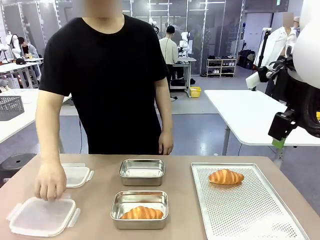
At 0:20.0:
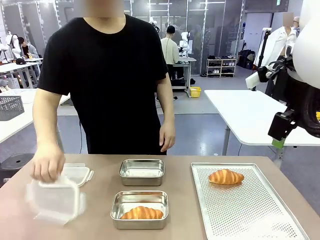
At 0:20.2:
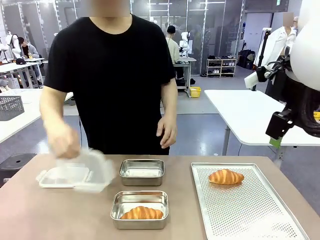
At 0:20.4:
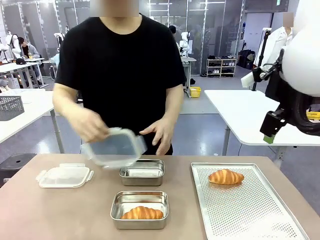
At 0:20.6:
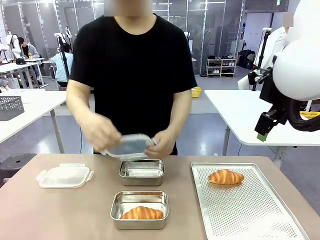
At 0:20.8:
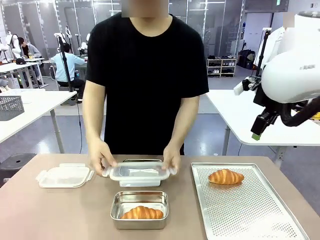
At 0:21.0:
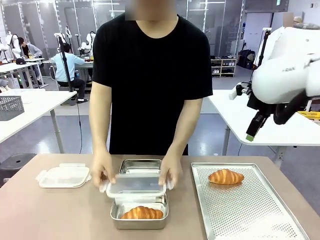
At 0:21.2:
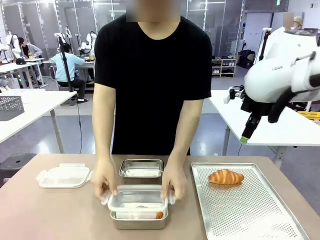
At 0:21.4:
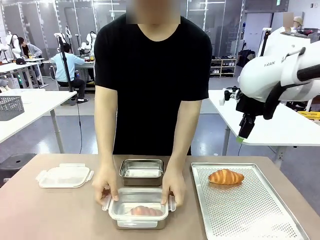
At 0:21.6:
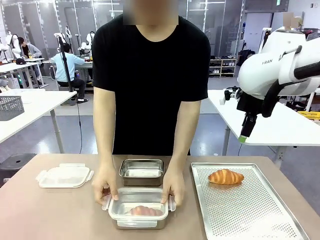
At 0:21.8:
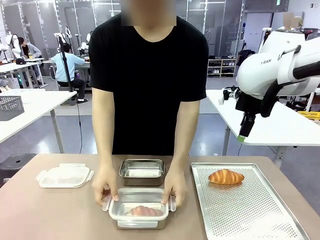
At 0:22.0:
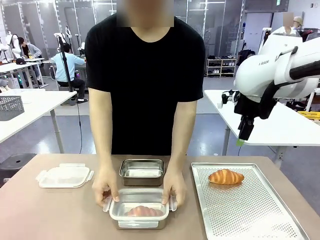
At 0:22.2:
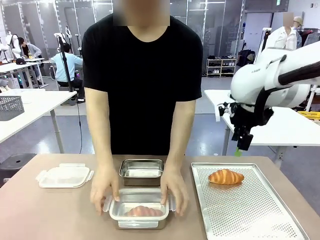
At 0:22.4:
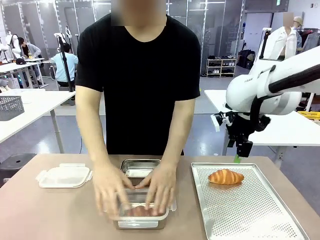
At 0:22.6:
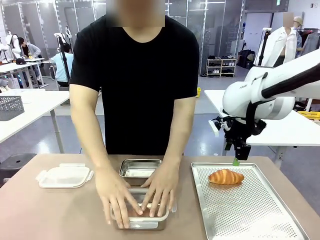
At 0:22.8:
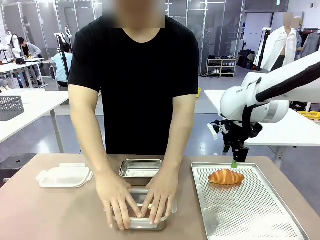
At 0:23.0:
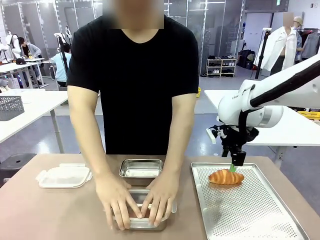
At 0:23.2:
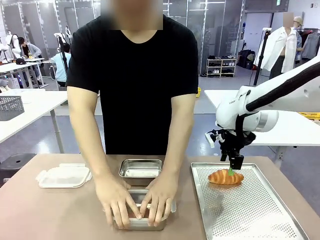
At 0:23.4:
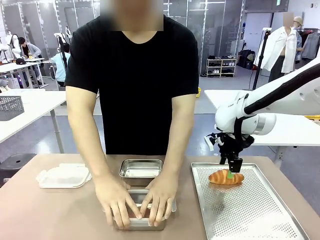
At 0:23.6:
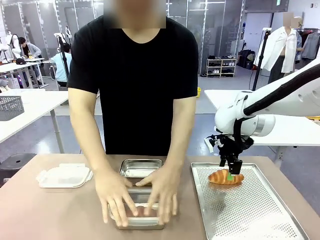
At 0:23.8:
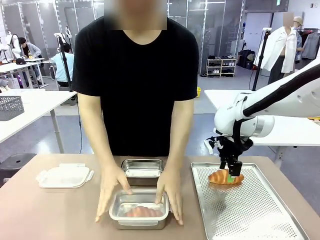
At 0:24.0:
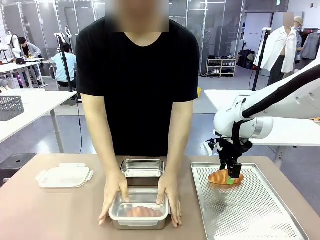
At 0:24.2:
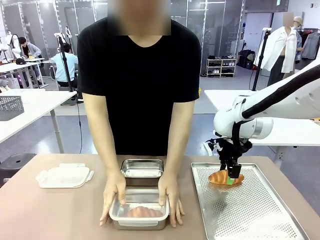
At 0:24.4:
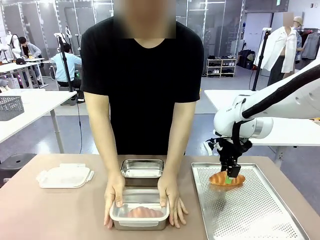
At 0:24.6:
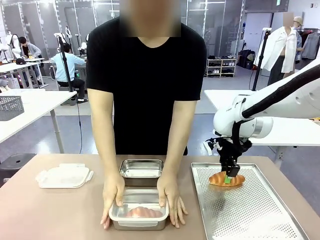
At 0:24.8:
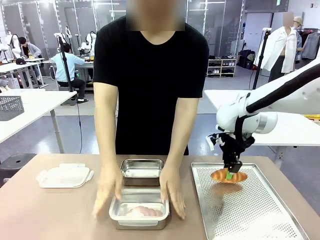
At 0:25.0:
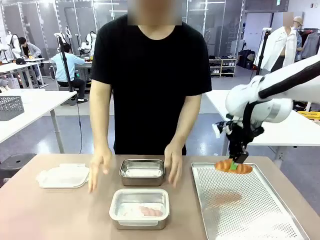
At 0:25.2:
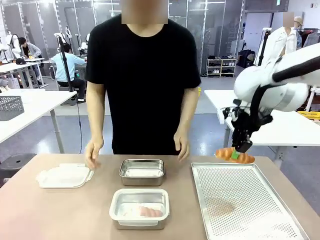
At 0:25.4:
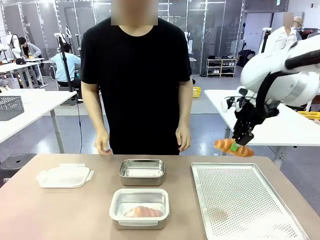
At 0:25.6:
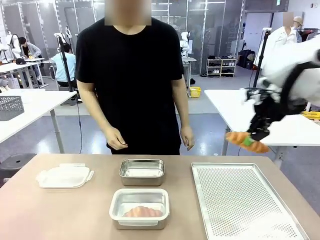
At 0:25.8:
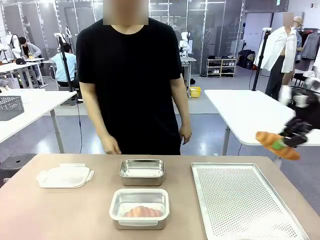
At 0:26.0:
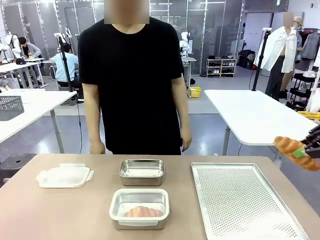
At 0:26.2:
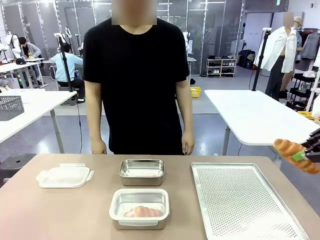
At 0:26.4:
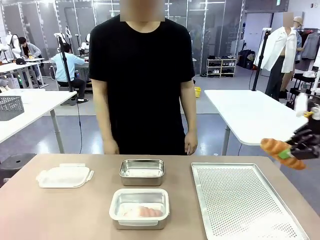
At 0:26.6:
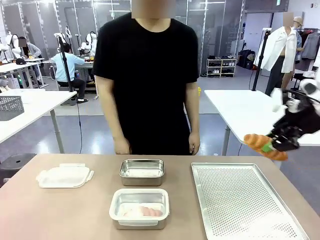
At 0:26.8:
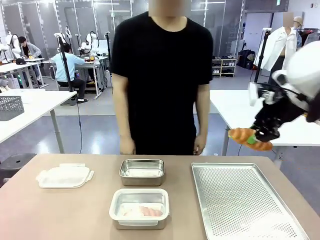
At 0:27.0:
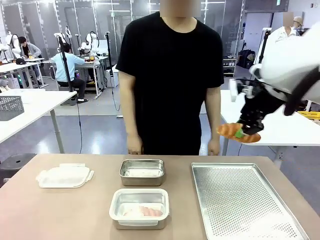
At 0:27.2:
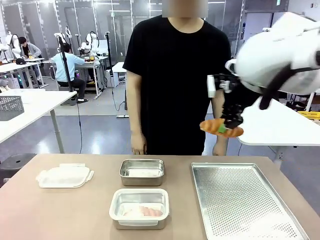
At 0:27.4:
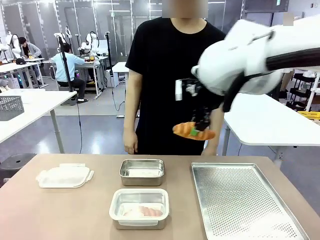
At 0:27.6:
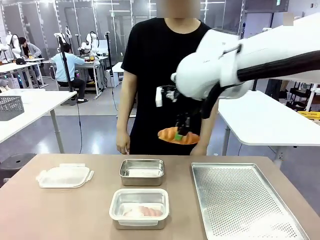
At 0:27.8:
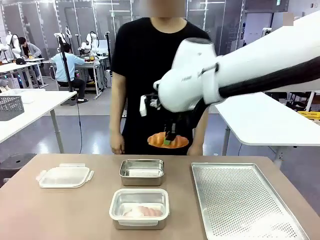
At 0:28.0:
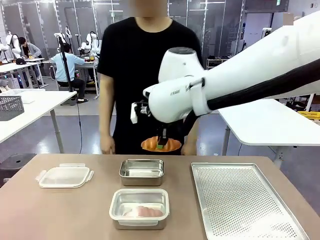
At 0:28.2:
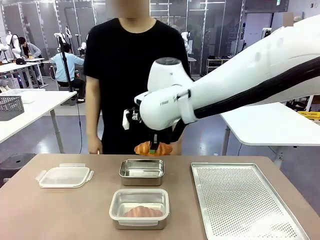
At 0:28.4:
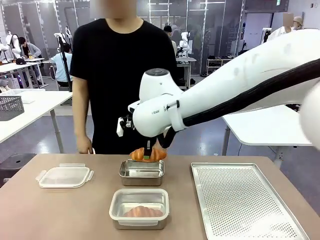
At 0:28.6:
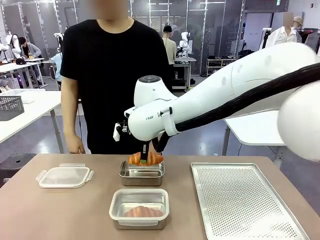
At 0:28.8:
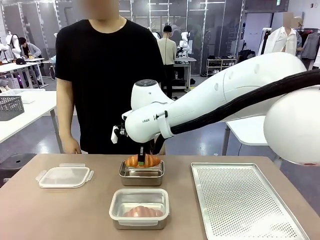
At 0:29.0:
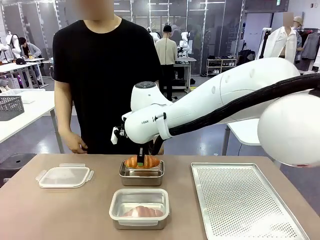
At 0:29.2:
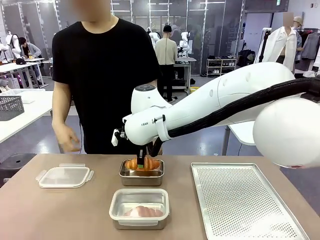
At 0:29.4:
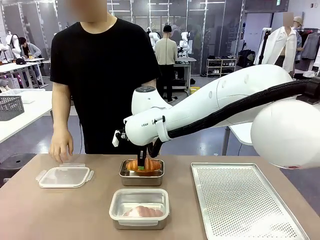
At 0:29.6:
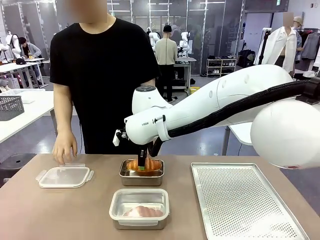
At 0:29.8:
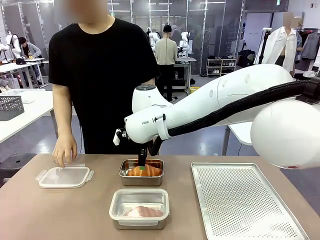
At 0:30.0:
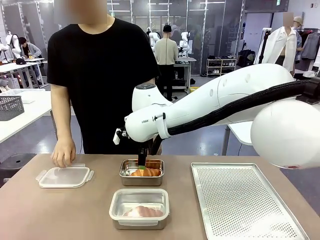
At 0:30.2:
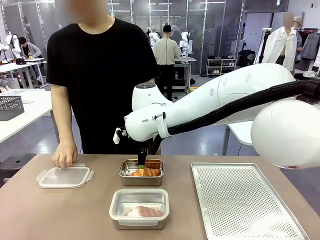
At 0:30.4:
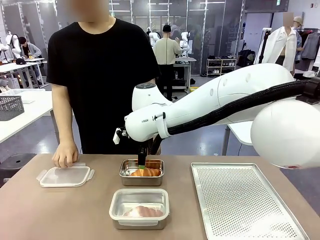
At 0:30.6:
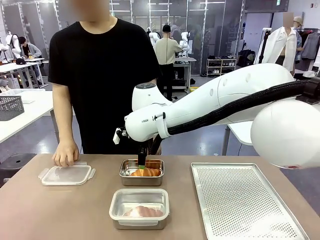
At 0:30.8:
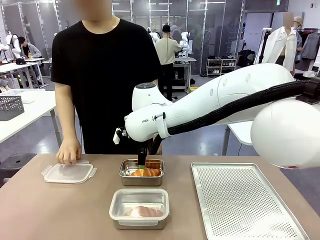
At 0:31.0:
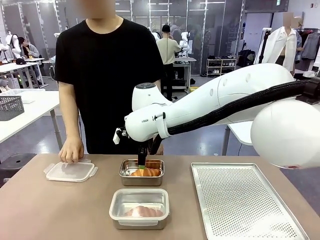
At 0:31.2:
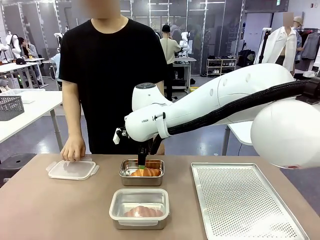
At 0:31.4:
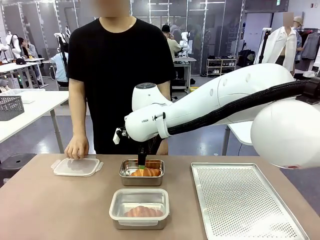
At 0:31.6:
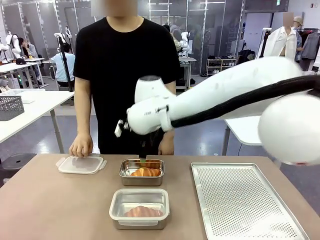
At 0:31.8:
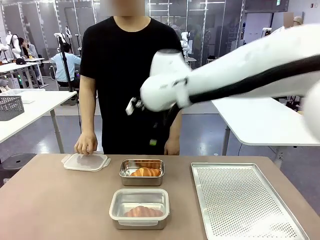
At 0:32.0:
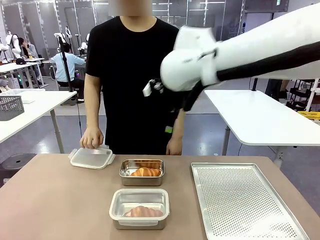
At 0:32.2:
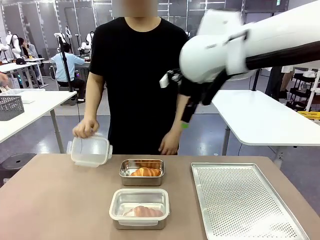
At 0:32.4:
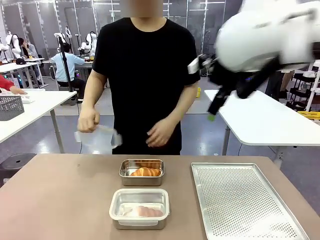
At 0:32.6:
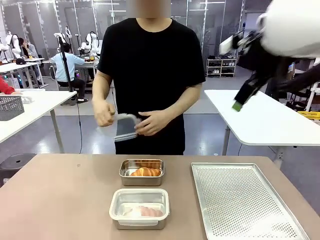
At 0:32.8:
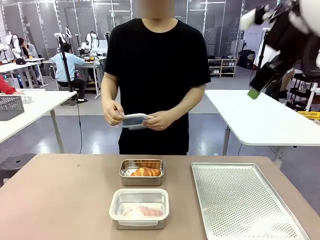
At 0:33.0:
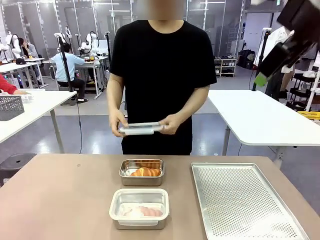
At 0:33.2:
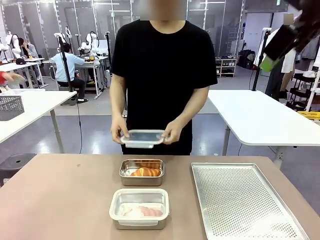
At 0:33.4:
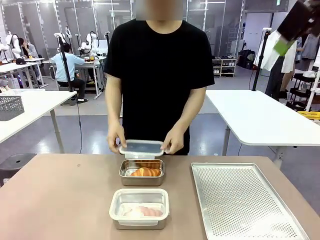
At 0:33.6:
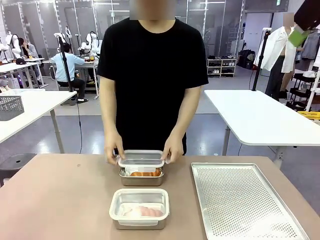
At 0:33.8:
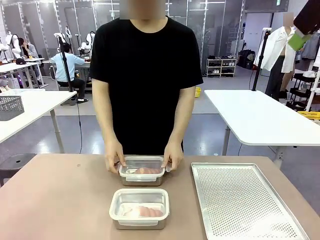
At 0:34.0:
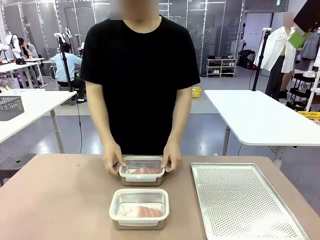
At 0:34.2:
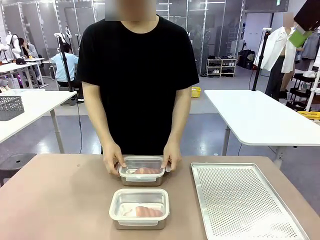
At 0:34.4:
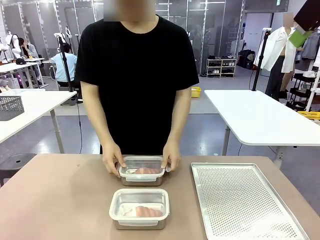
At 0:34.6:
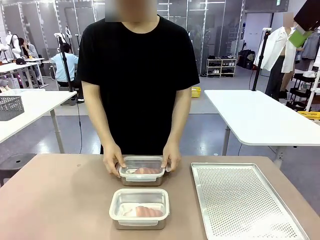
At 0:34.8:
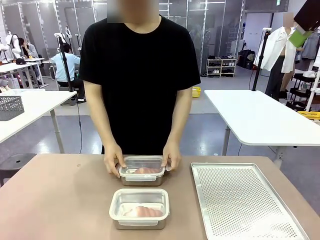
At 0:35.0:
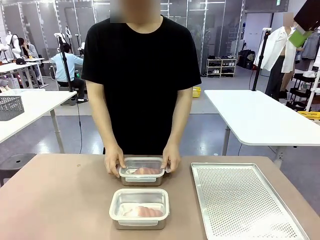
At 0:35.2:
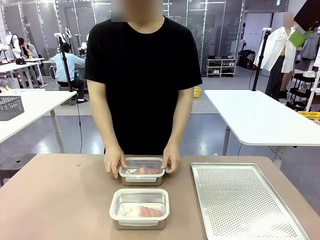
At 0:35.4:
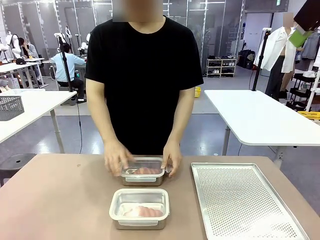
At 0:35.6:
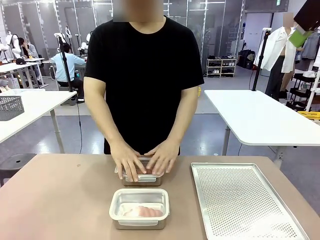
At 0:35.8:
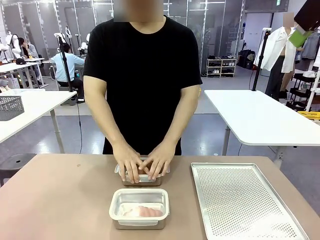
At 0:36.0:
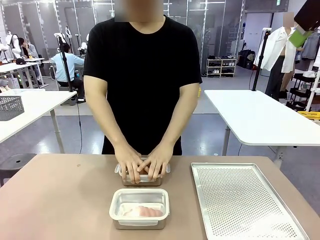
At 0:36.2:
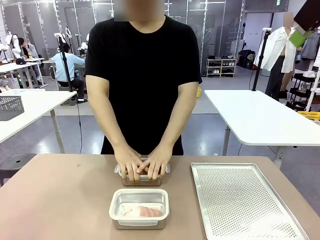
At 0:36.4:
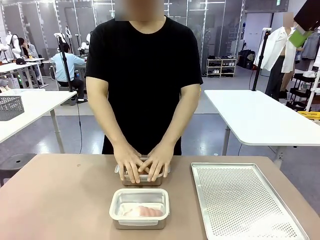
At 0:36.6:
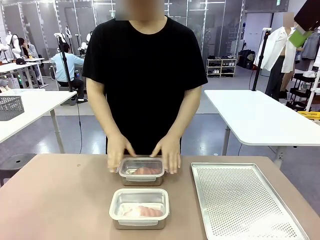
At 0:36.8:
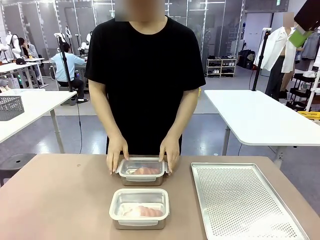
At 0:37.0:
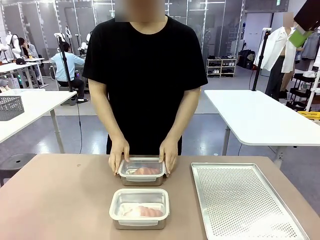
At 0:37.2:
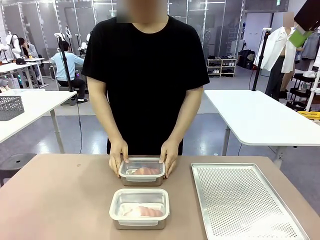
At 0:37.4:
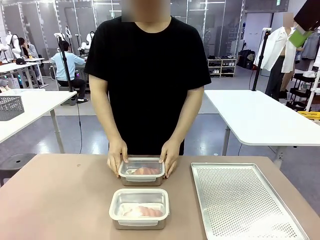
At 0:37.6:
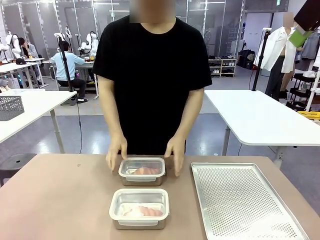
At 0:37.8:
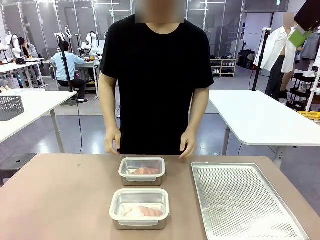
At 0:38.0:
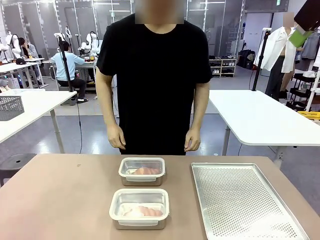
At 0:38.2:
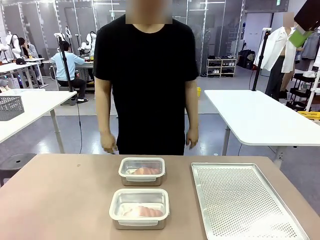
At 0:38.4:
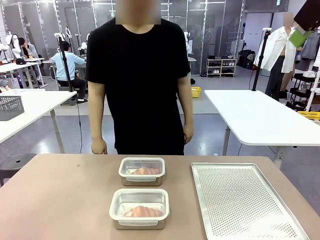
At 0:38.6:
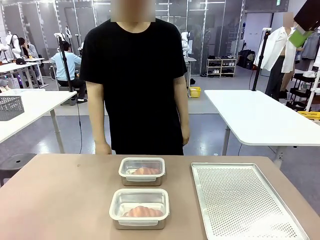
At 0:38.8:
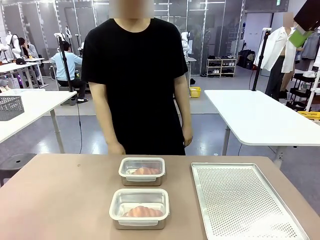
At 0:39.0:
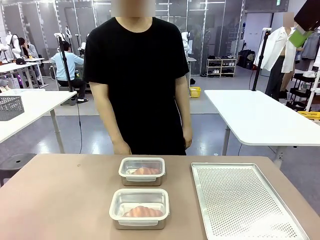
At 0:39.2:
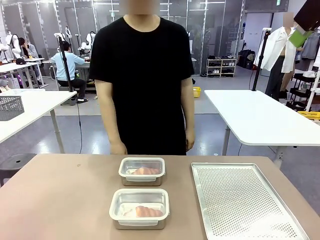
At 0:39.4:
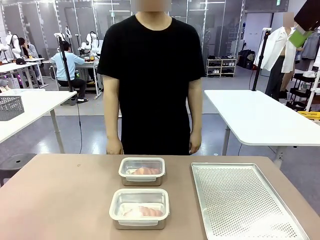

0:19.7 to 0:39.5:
Task: Place the bread into the airtight container.
Robot: Pick up a Butter Roll and place it into an empty Airtight Container.
Person: Once a Butter Roll is inside an Airtight Container , close the lid of that Airtight Container.
